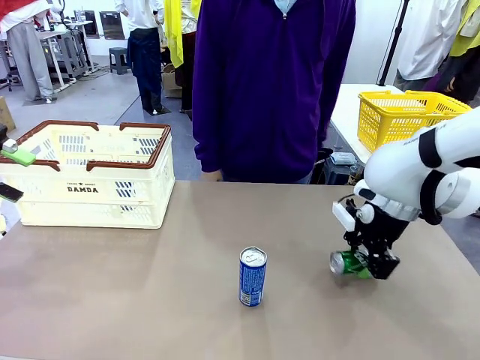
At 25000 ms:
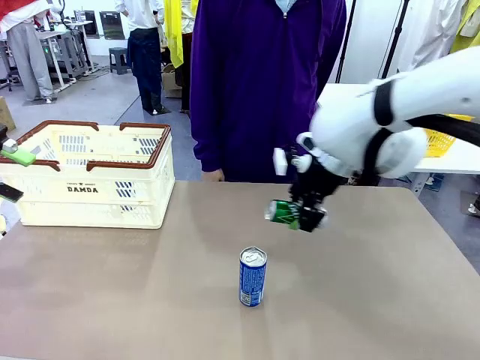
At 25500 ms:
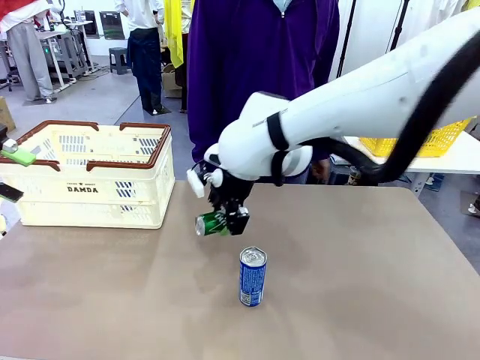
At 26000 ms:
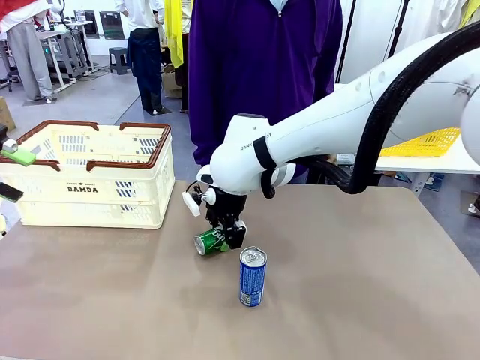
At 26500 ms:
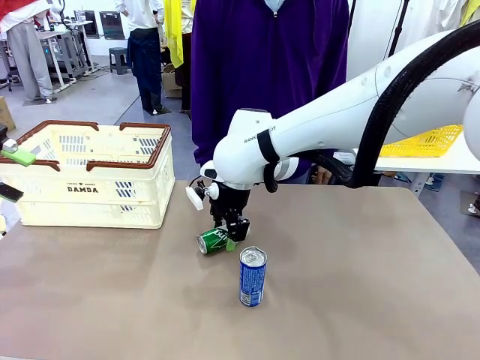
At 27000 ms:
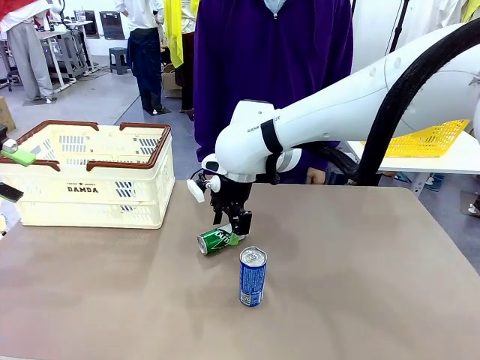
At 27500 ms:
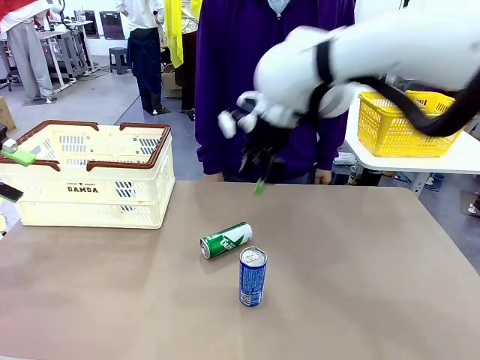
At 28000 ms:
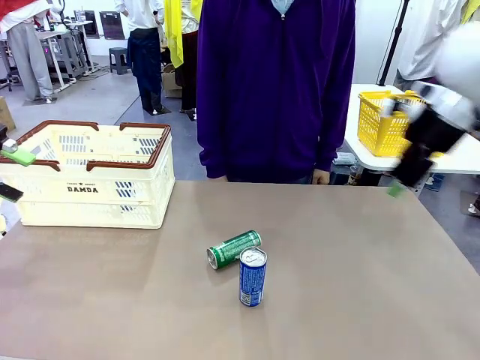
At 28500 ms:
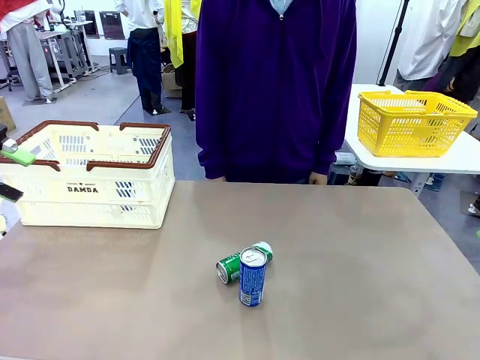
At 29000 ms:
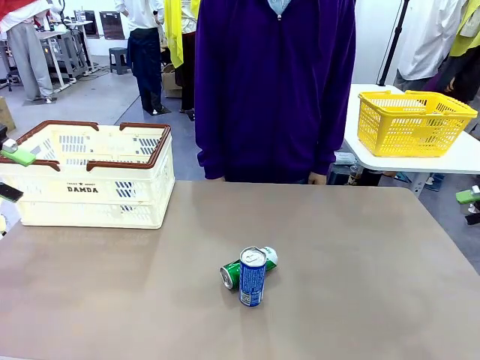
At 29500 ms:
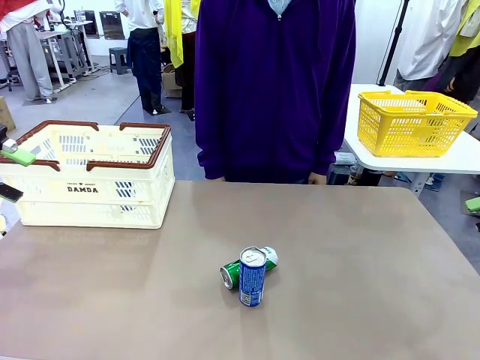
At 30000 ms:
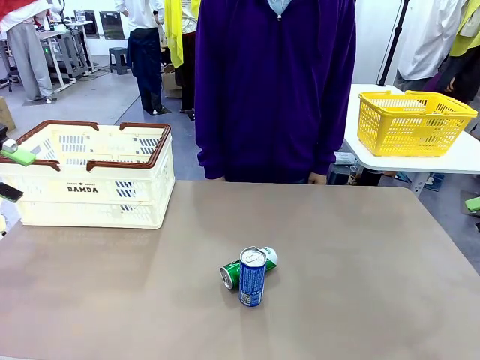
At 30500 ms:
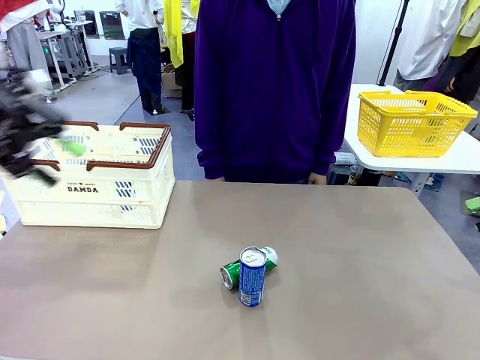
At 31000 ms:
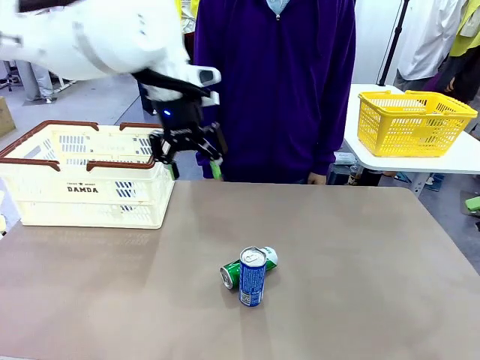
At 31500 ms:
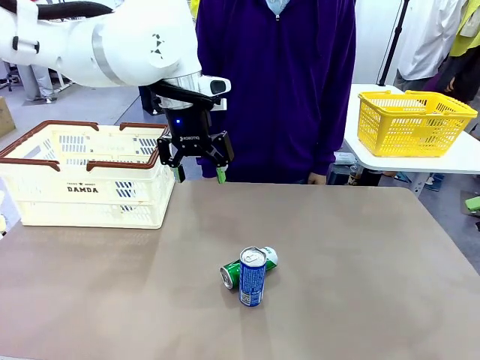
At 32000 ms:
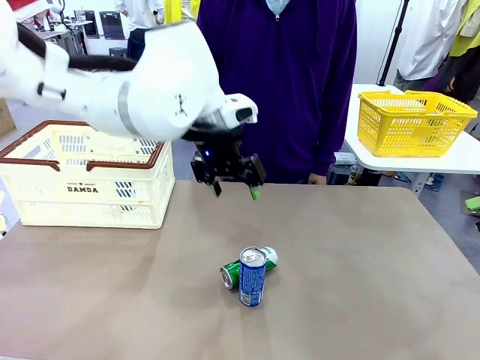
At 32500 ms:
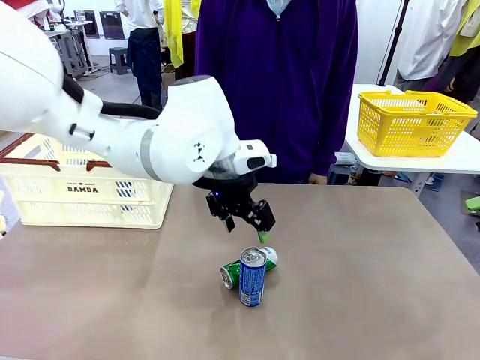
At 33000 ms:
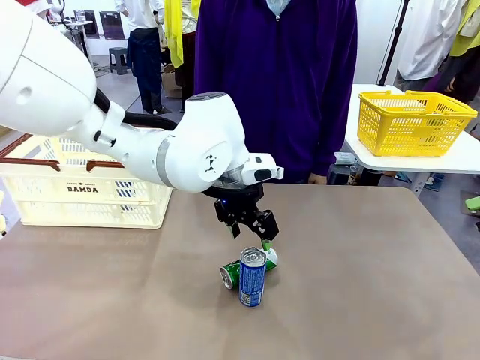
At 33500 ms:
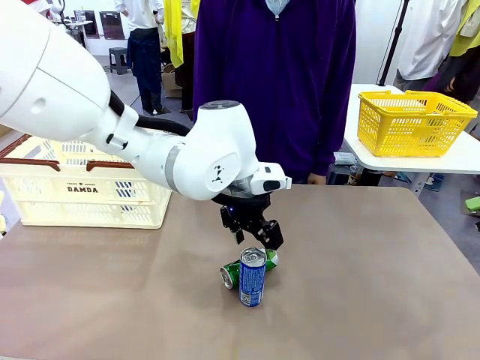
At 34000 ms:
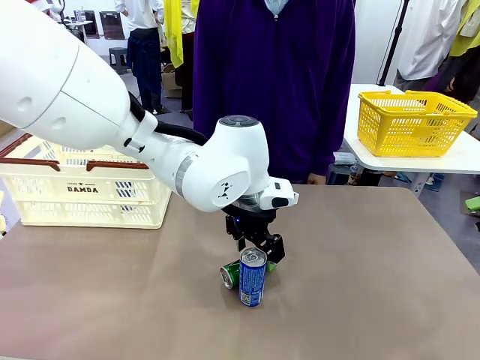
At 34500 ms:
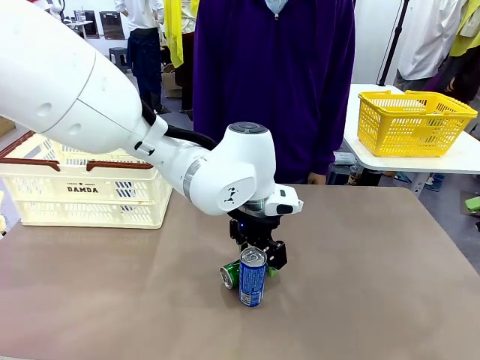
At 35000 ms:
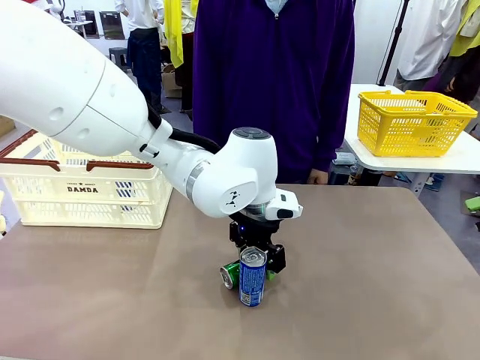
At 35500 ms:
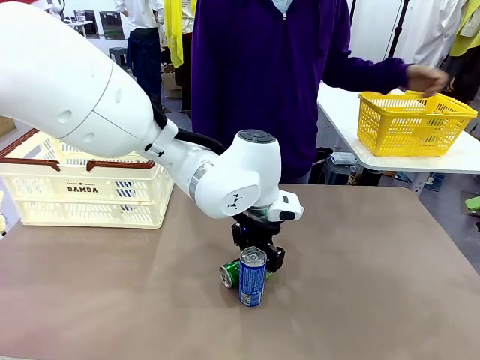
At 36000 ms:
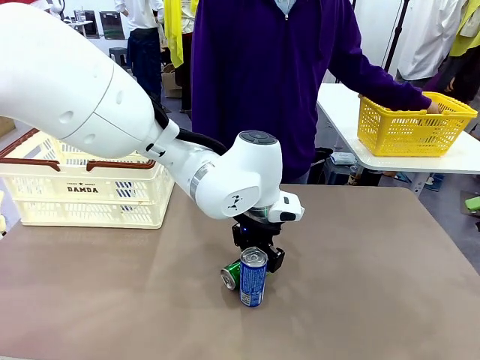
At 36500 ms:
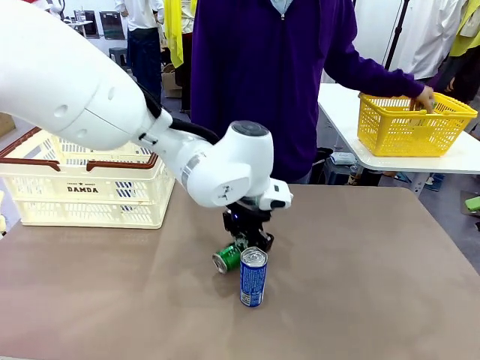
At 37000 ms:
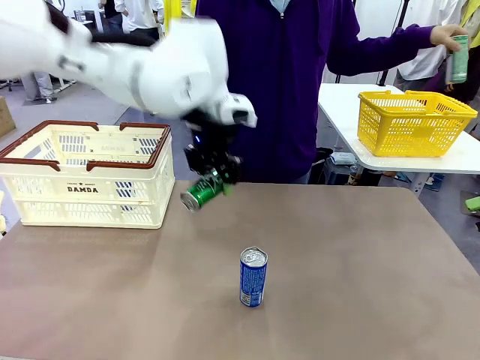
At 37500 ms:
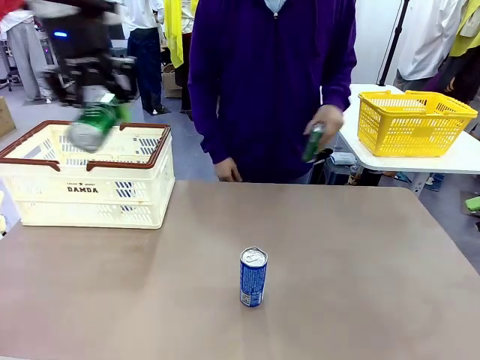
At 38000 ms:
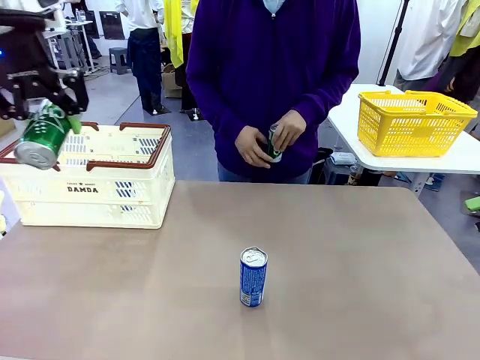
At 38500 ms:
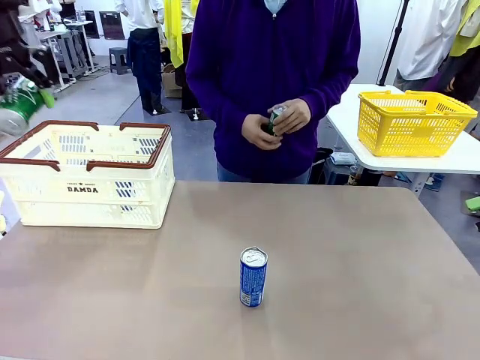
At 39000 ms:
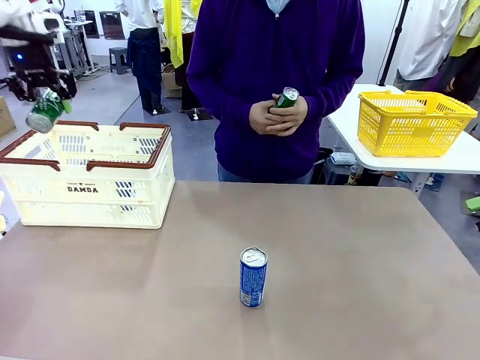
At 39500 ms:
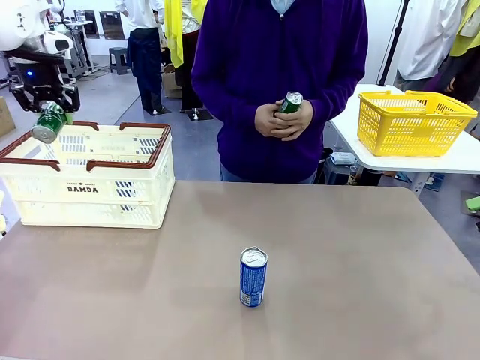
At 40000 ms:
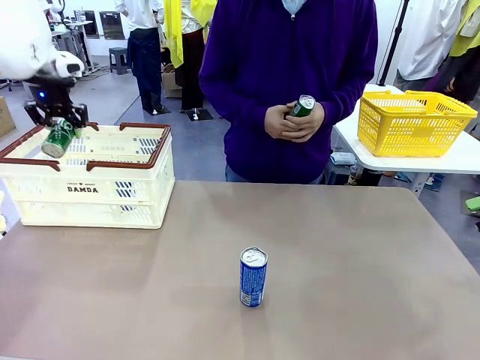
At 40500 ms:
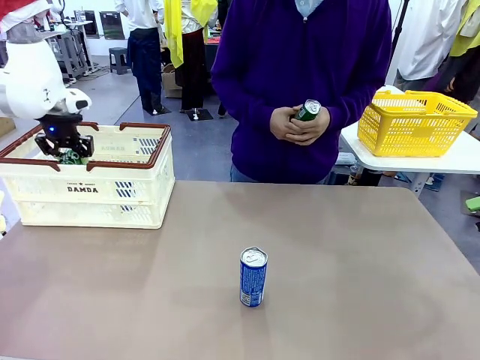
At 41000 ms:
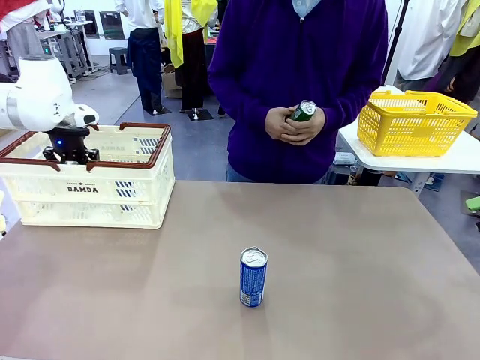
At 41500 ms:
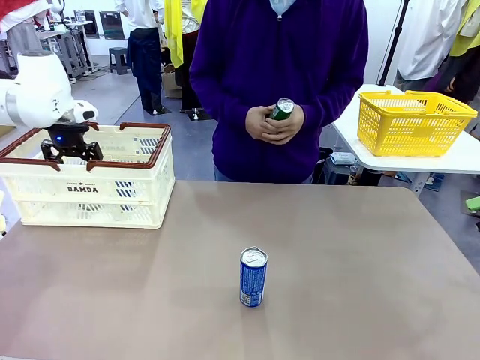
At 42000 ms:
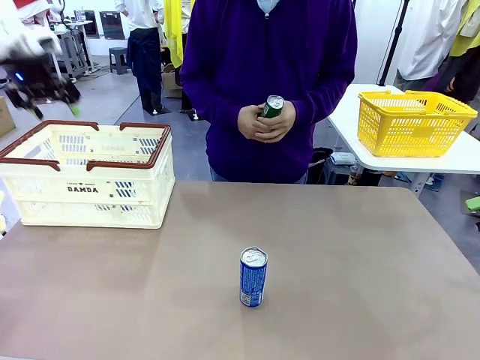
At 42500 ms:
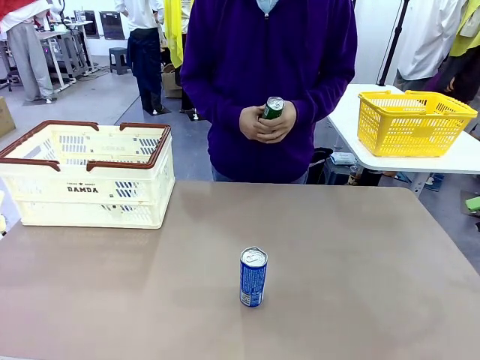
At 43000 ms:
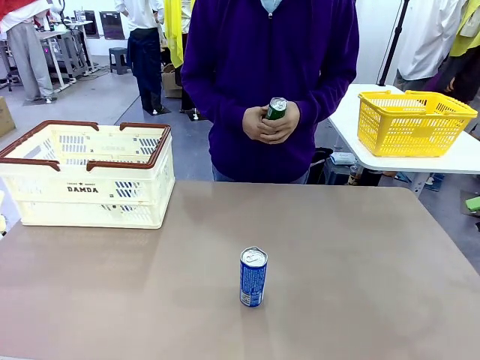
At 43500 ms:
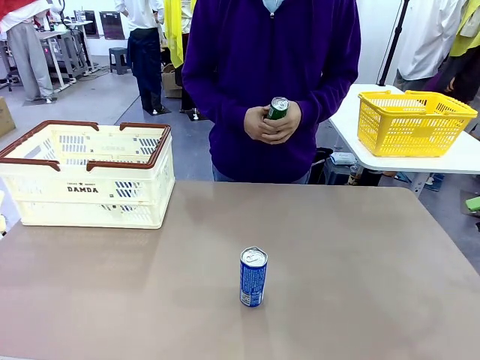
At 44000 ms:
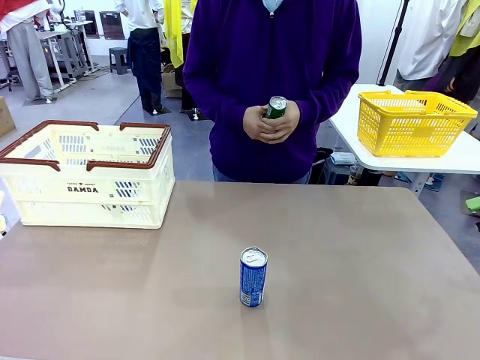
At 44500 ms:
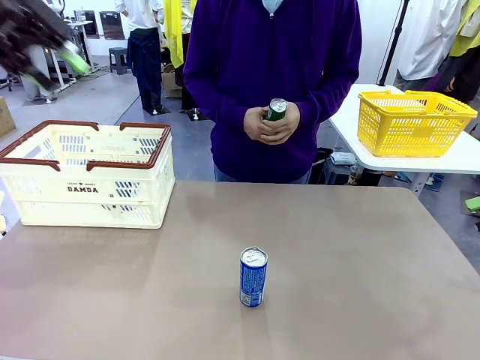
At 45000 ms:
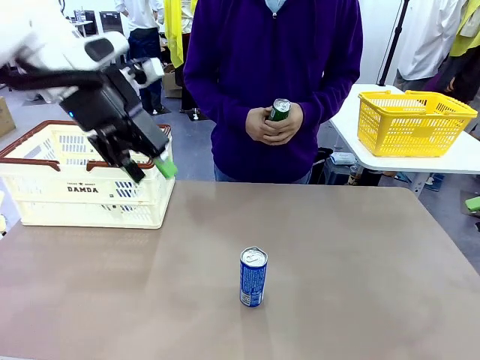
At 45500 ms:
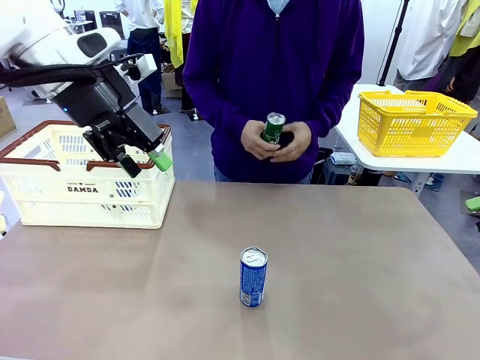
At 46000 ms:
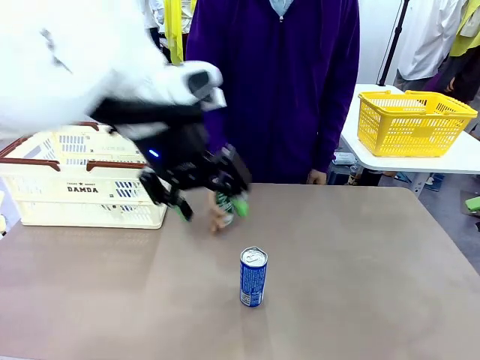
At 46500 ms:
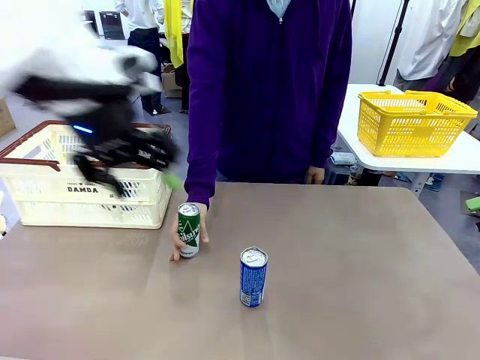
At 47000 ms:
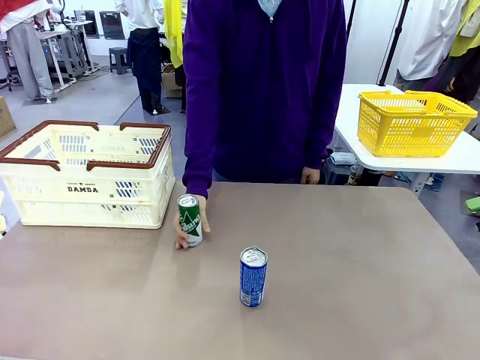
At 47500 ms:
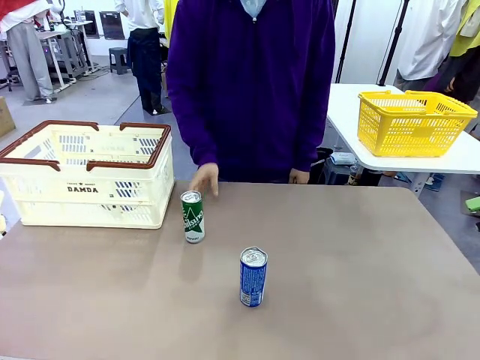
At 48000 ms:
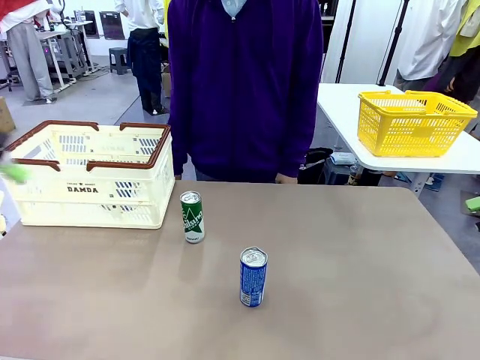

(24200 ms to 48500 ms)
Task: Place the drinks into the Shopping basket.
Robot: Pick up one drink and place it into the Shopping basket.
